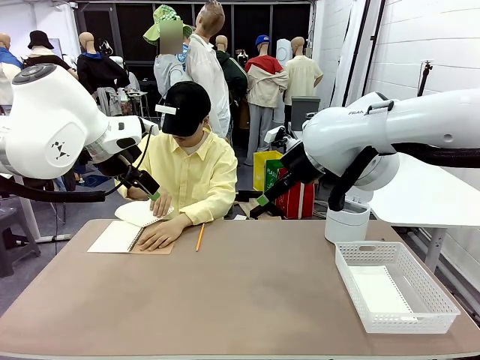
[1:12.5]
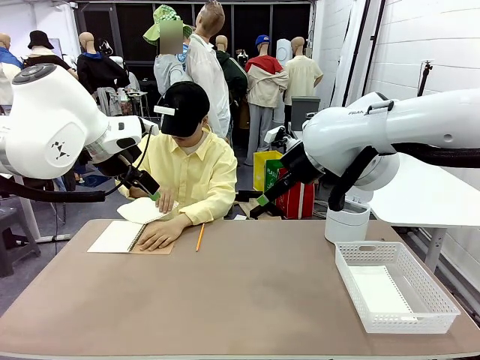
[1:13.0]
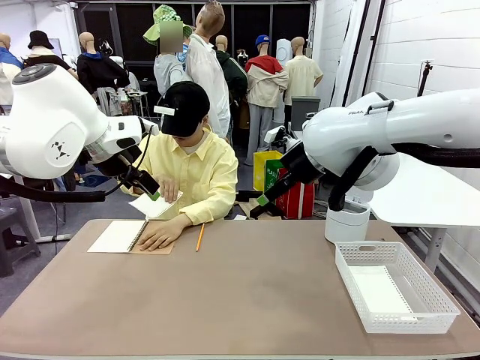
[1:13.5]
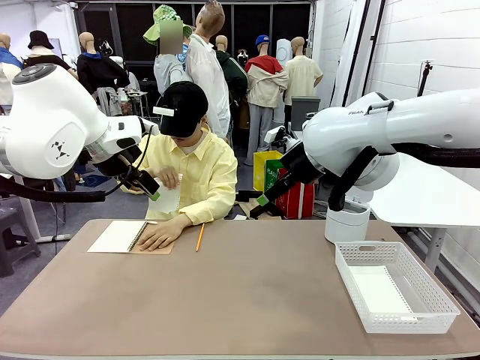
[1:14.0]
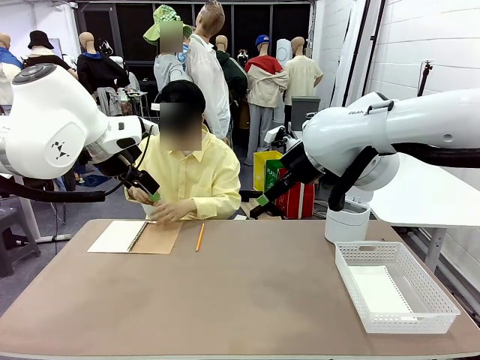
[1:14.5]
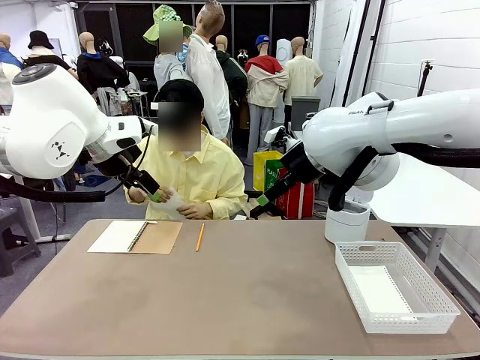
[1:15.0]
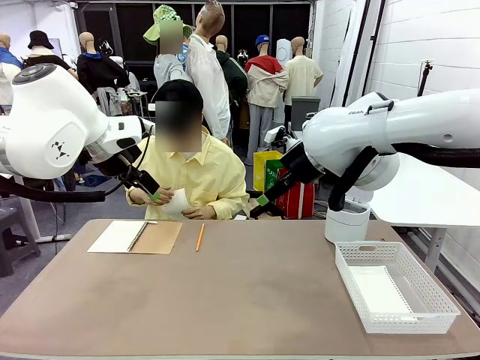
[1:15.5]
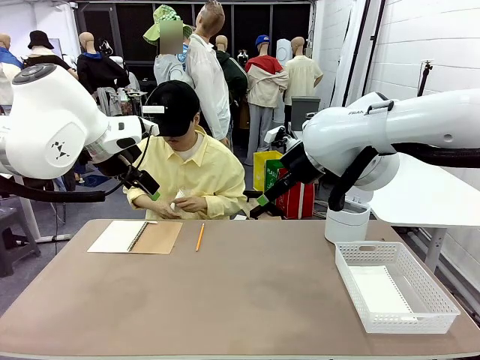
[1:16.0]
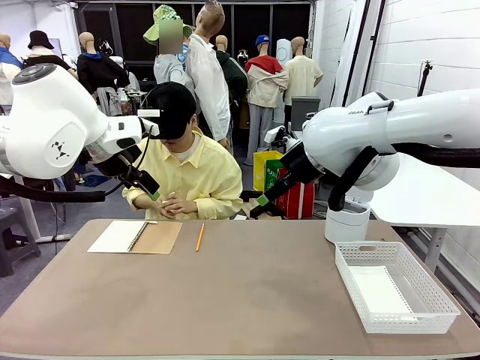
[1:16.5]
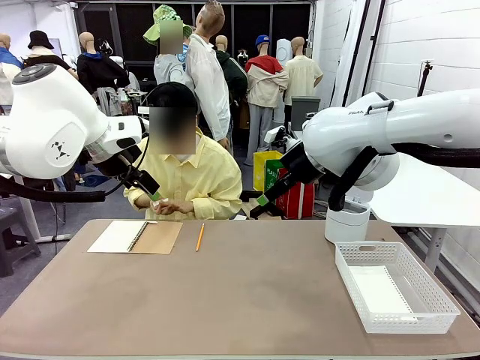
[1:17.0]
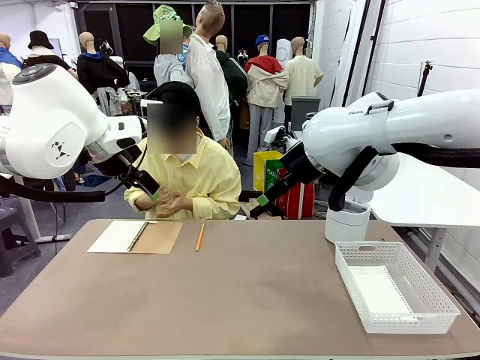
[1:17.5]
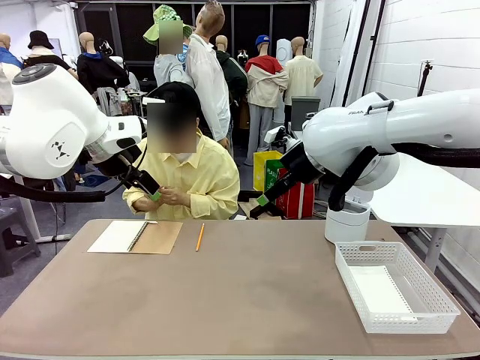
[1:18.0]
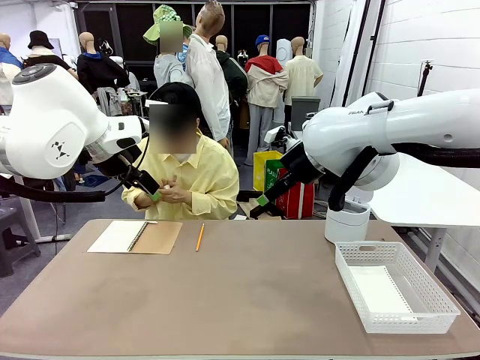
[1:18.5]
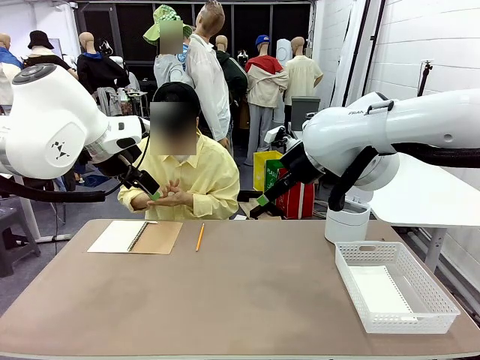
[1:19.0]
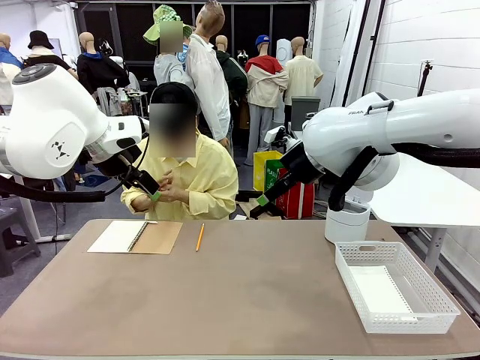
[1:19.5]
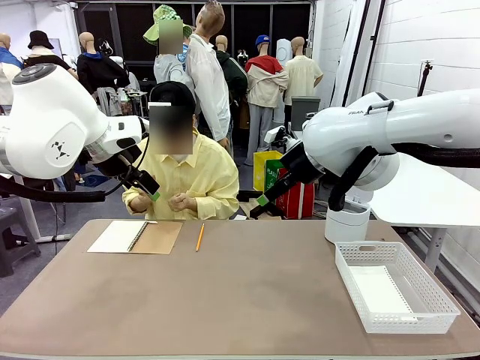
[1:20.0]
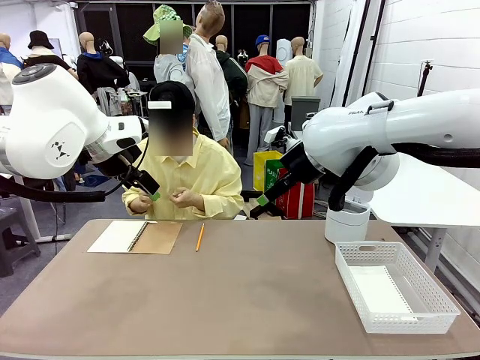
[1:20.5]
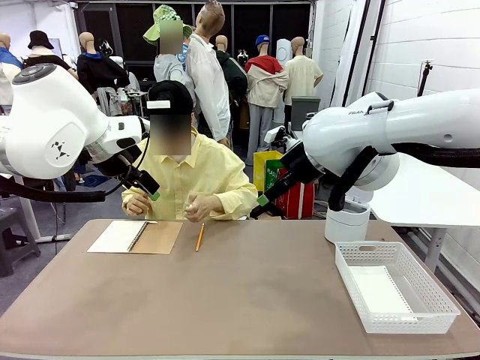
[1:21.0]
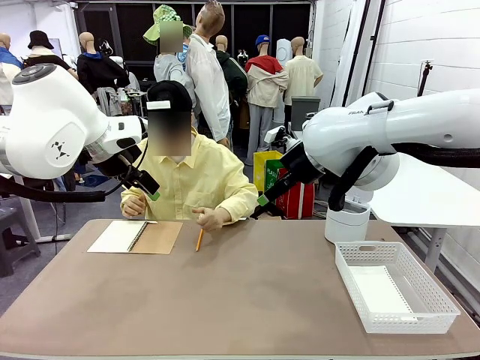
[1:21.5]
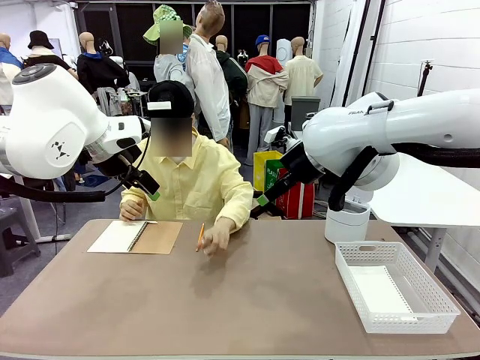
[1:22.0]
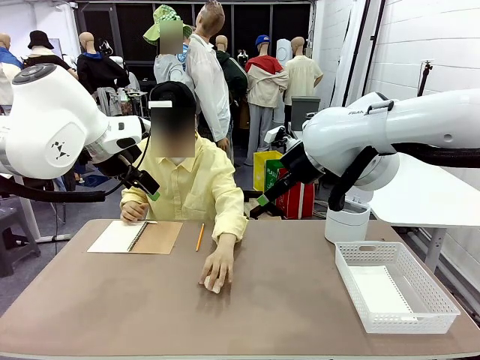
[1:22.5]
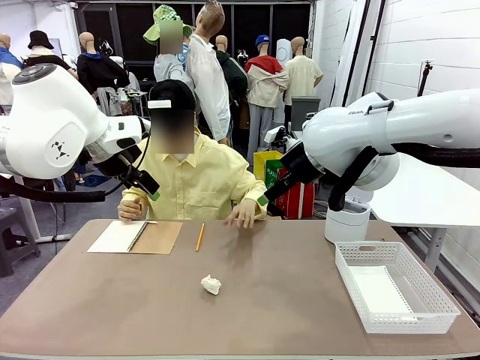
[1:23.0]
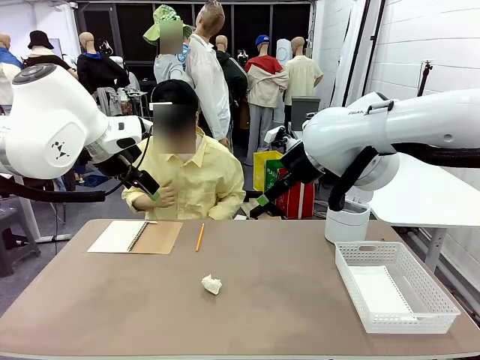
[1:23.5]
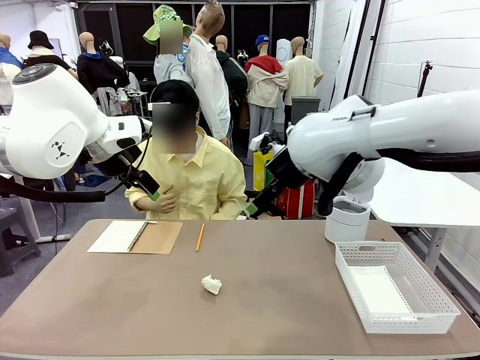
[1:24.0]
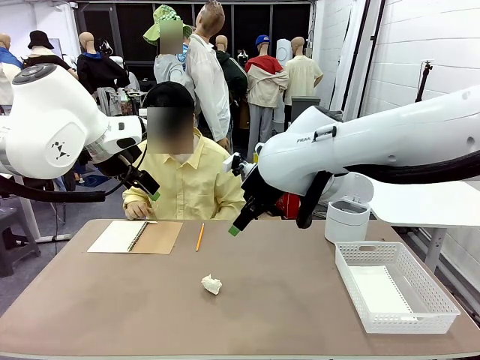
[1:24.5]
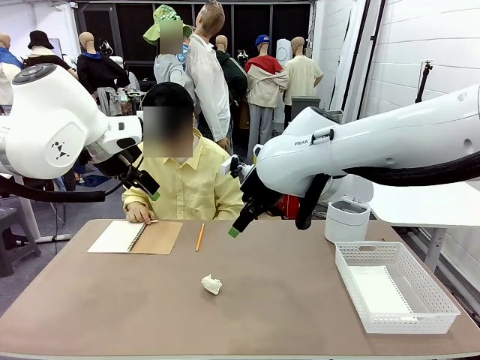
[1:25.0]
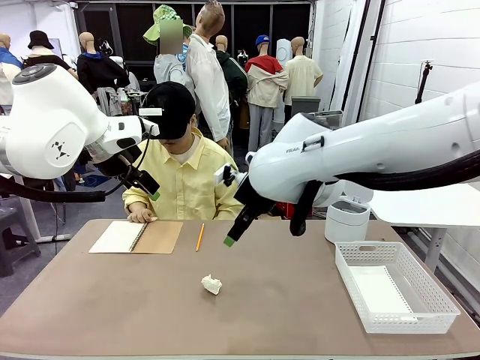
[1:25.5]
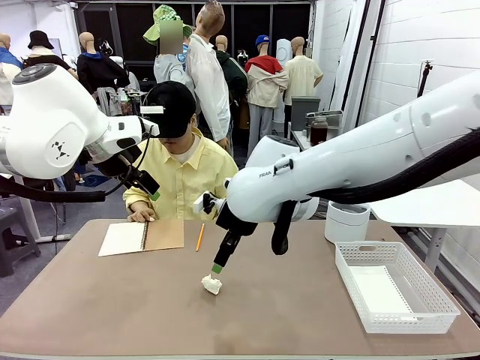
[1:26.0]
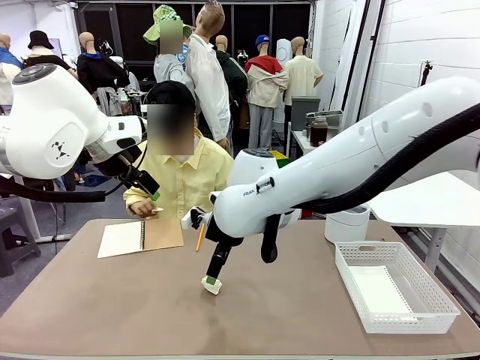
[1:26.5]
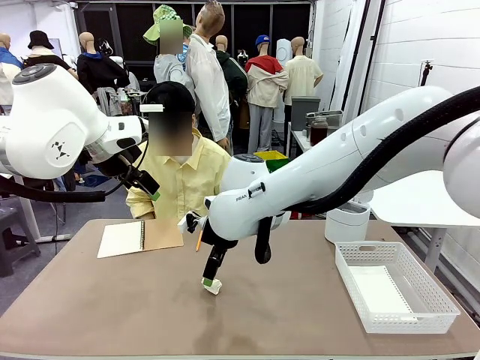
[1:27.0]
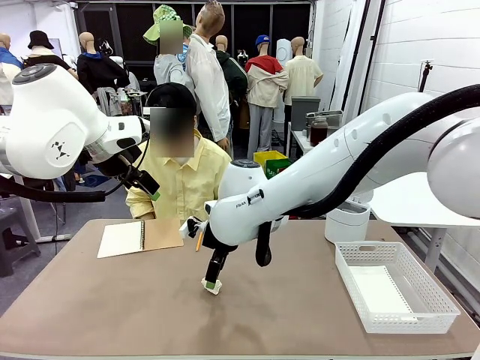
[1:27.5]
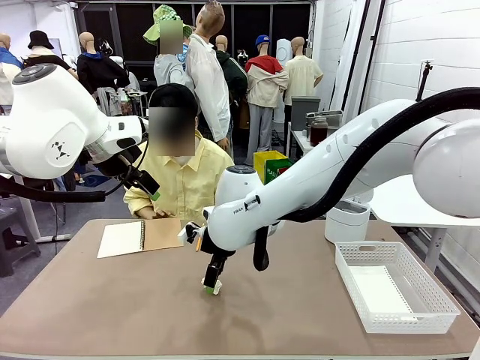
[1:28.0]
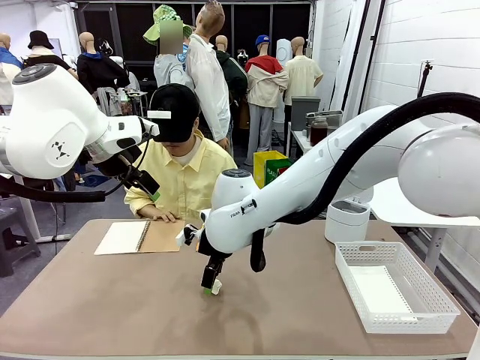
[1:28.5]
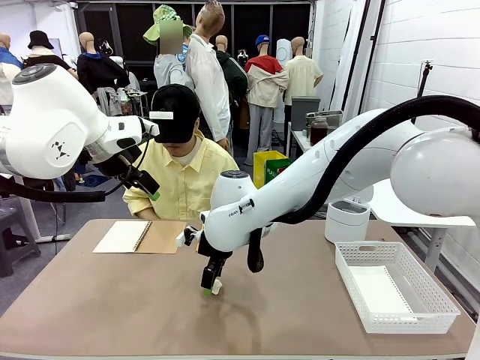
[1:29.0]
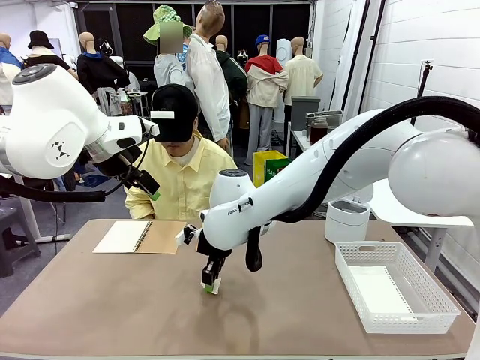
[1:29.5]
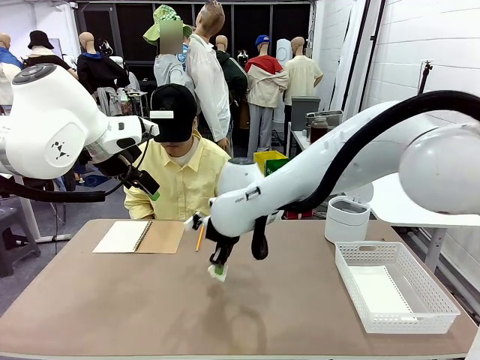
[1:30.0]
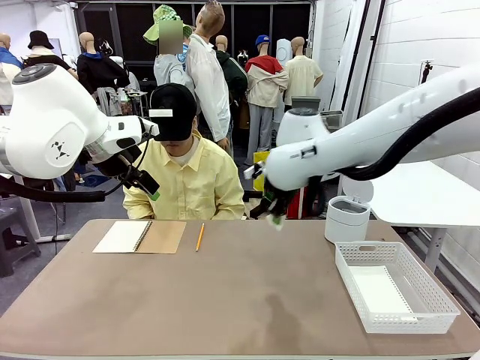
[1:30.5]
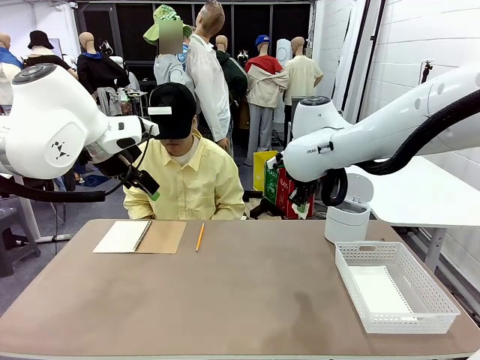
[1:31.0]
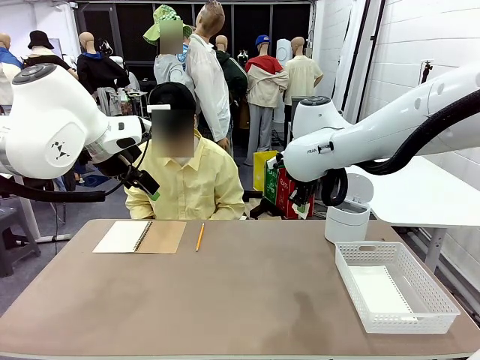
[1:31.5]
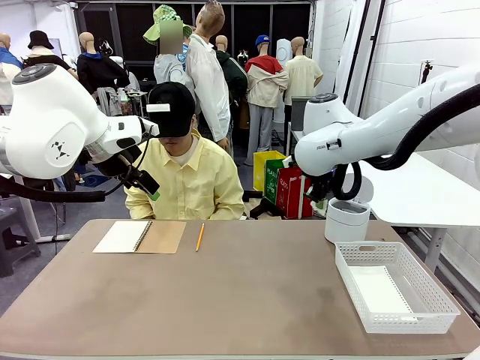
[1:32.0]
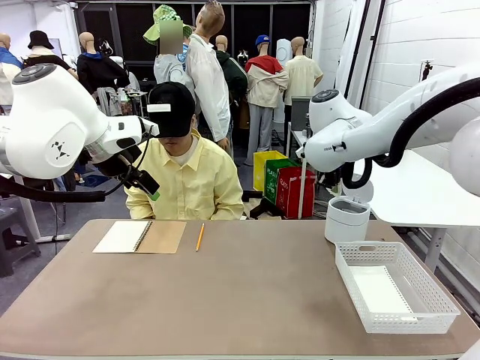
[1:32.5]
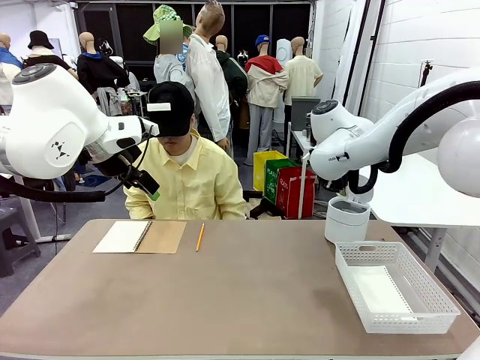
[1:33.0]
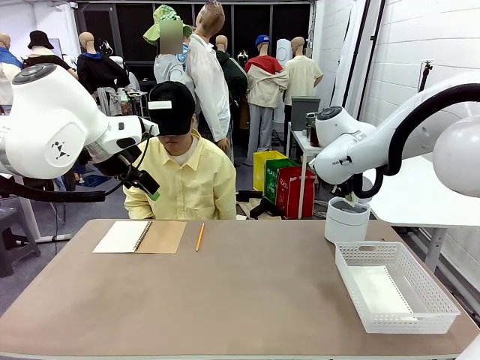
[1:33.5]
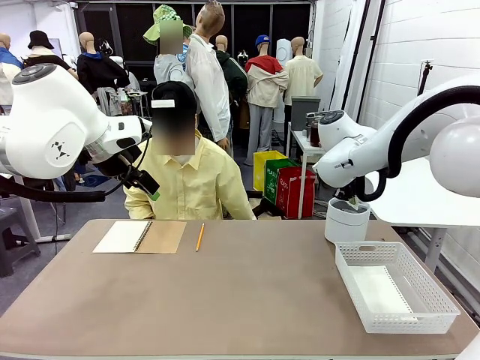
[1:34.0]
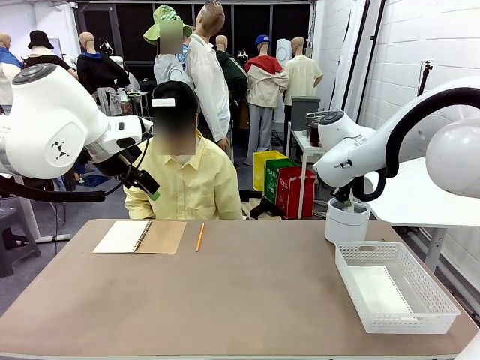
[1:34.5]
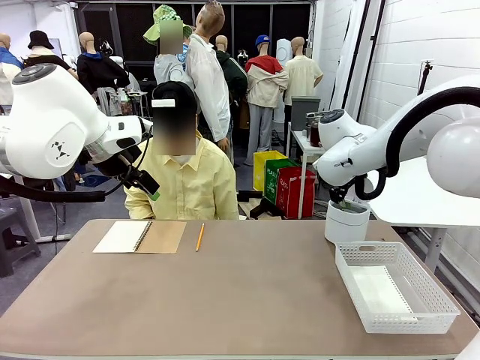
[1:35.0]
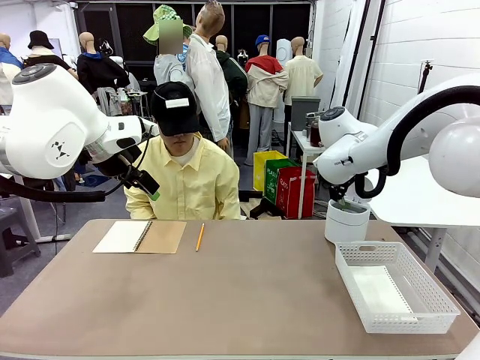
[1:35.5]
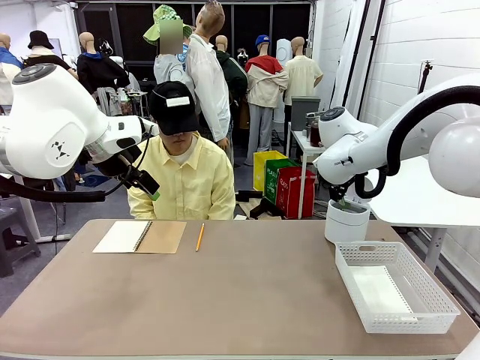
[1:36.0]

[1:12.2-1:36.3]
Task: Sort the paper based on its condition.
Robot: If a person hands you a paper, place it in the Organizing basket , and if it's crumpled, put it in the Trash can.
Person: Hand the torn page to the robot or crumple it and throw it to the center of the table.

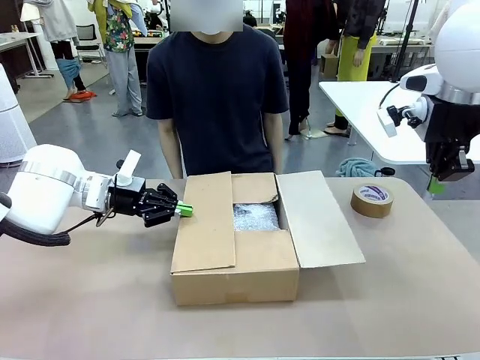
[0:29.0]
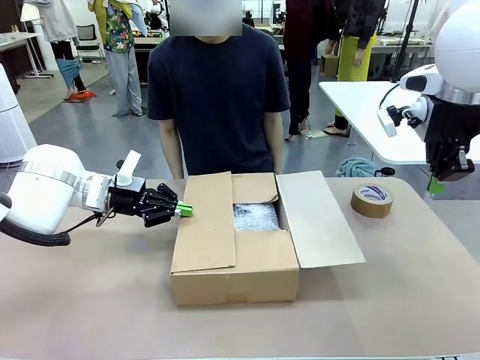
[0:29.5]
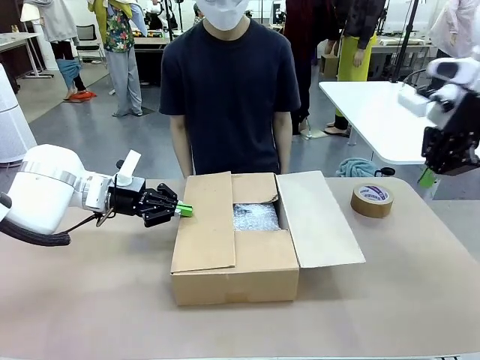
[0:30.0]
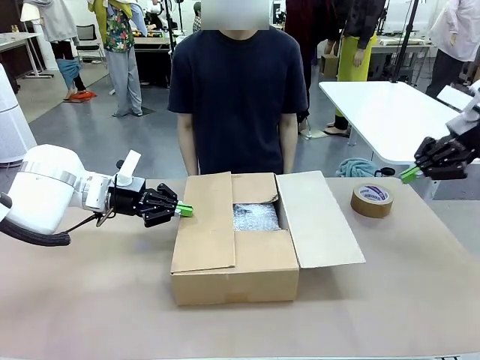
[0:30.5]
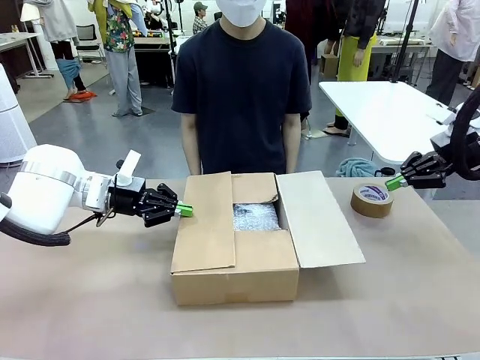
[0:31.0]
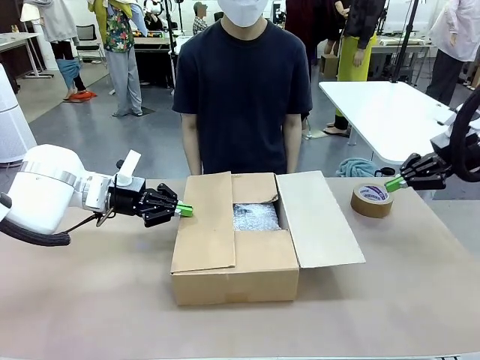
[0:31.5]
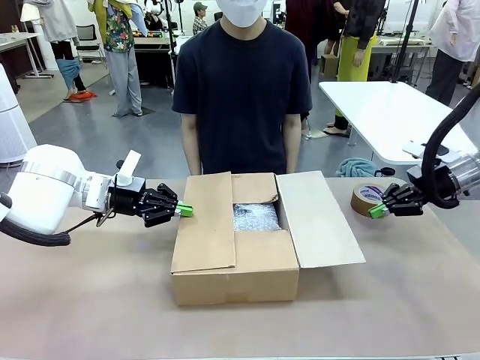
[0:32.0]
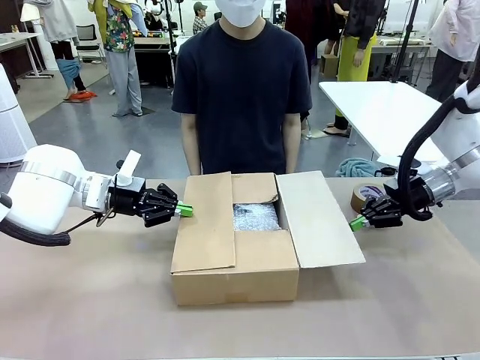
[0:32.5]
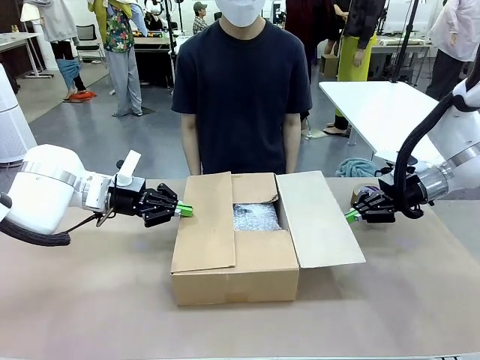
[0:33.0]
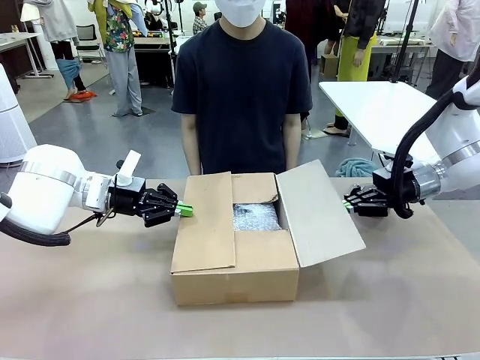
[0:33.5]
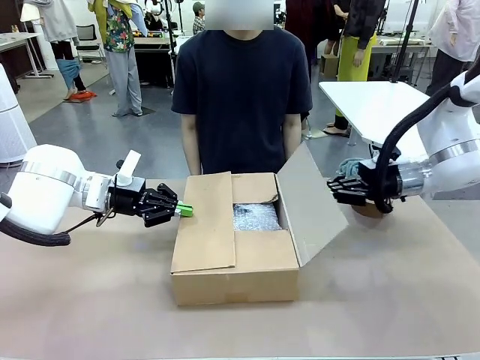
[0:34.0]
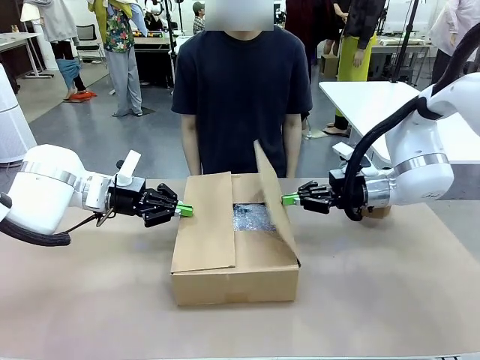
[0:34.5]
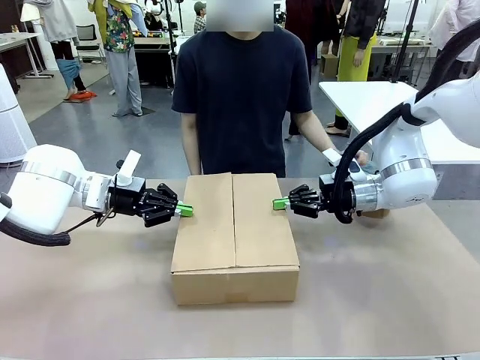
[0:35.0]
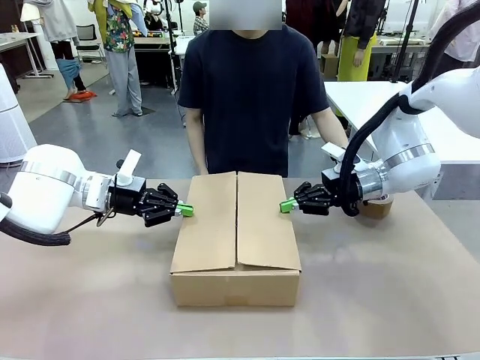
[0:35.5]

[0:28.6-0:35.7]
Task: Wrap the clocks to prevent damage.
Robot: Push the left (or right) flap of the Package Box to close it.
